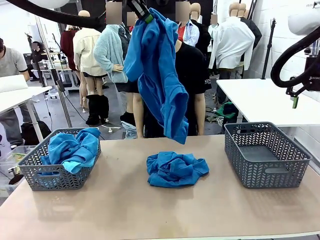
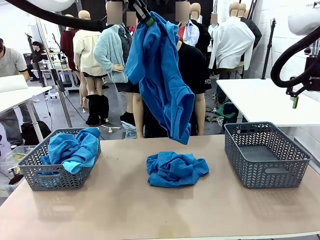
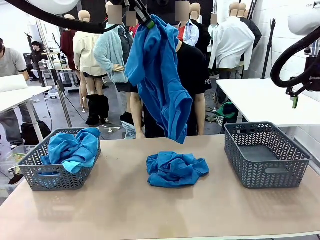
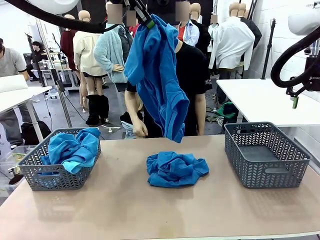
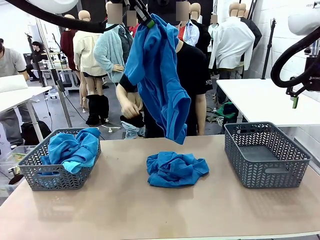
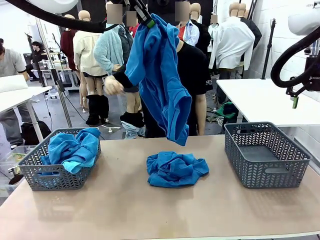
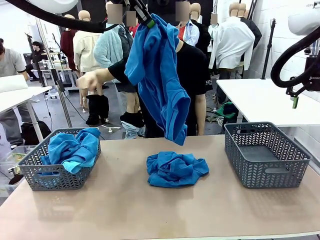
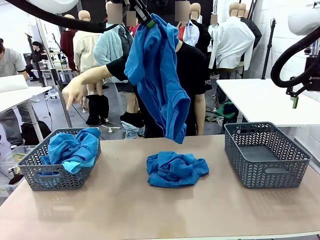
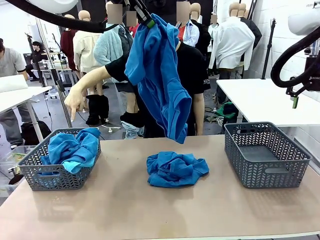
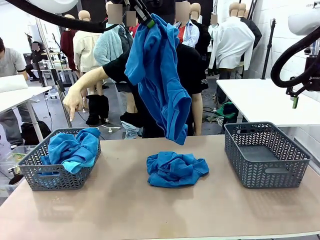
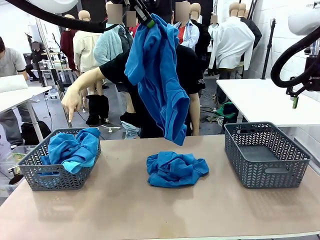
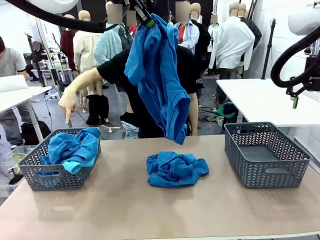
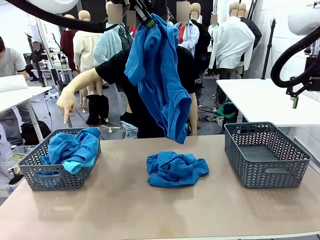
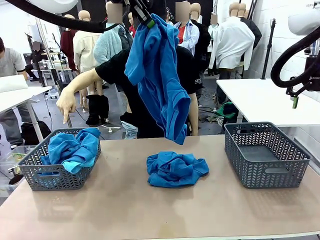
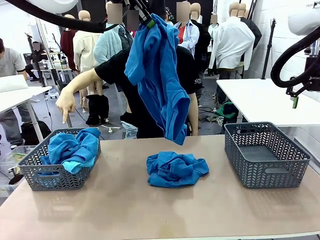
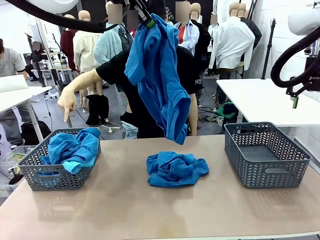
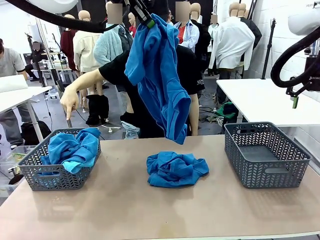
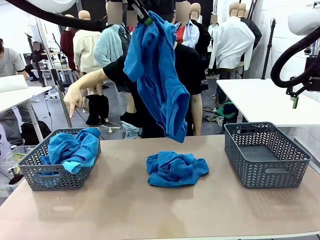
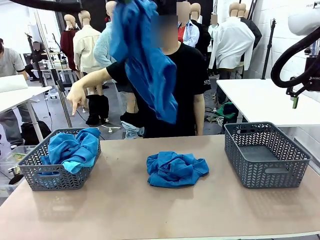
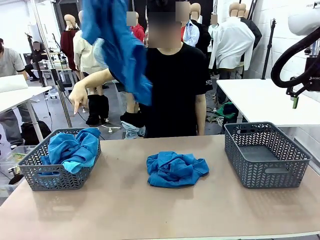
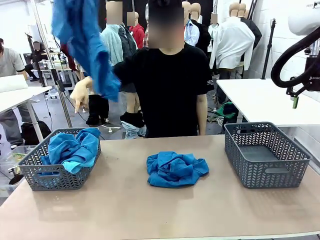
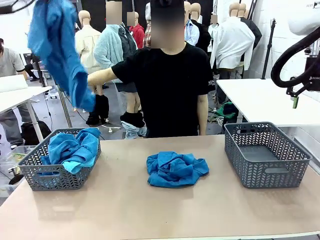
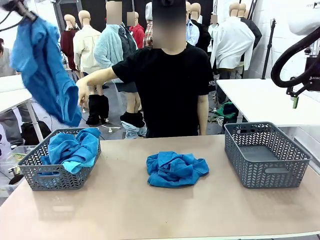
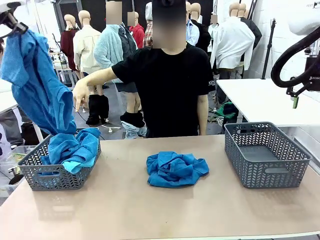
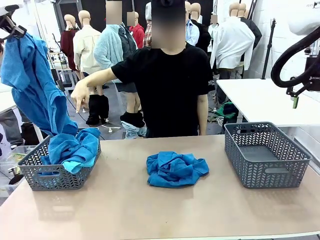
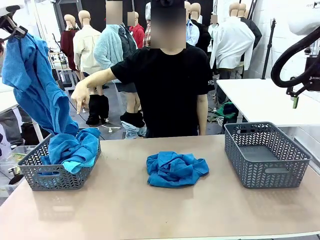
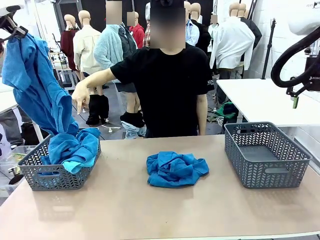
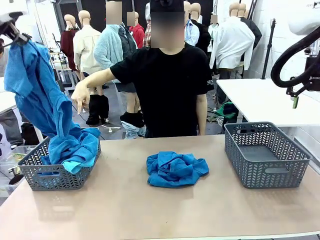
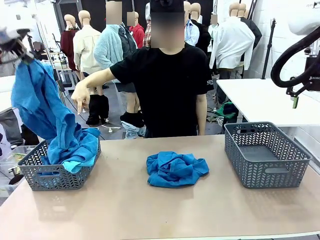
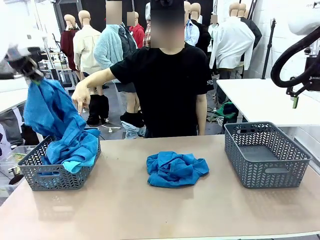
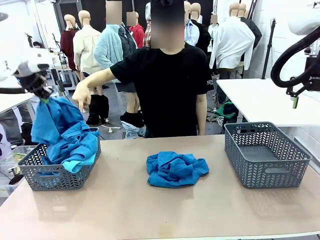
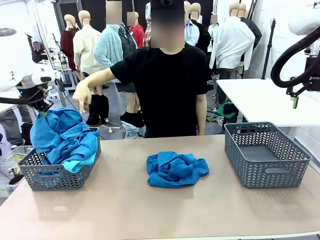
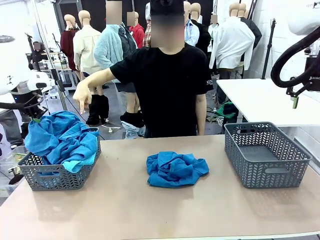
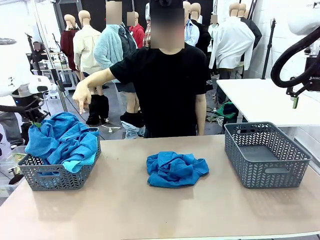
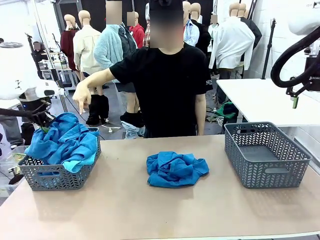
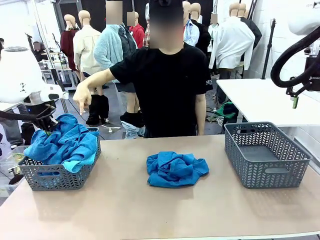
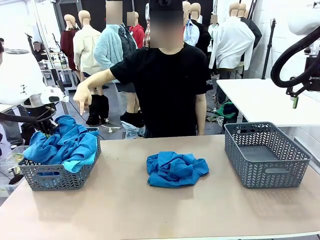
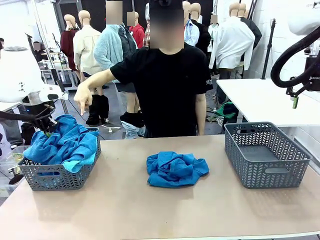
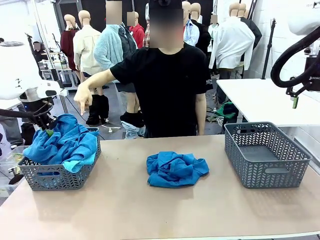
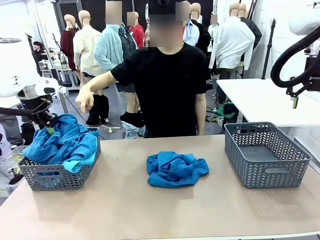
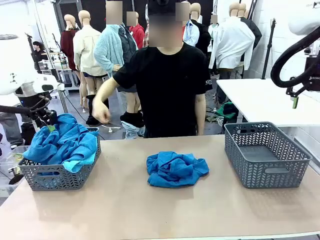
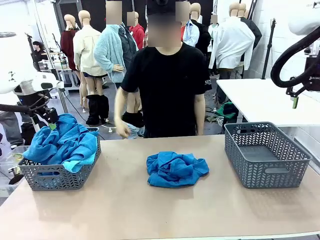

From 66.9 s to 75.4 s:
Task: Sort the tops and bottoms.
Robot: Sort the clothes according to human instructions.

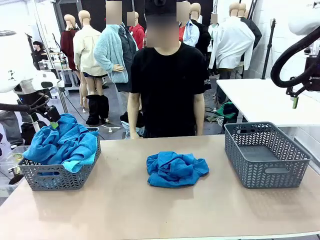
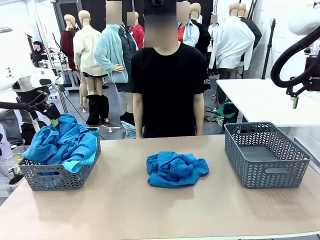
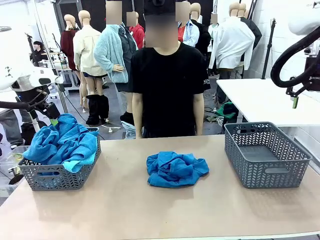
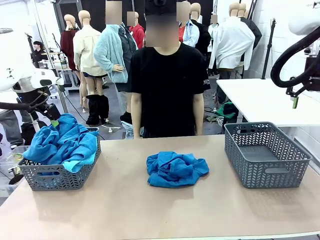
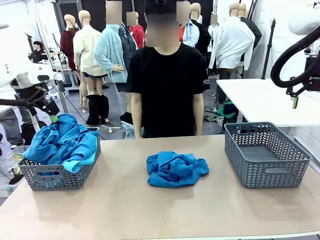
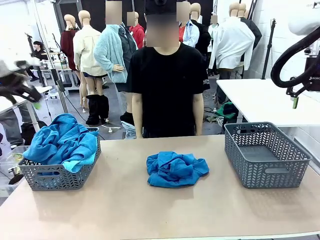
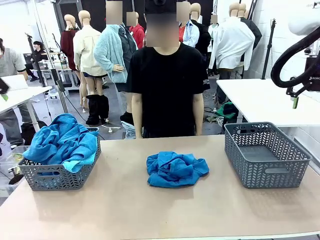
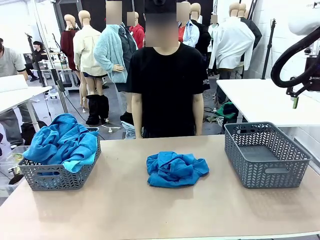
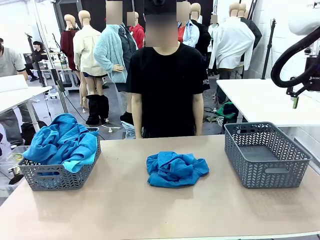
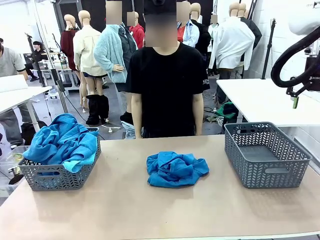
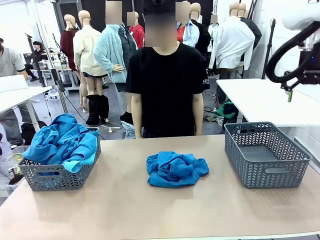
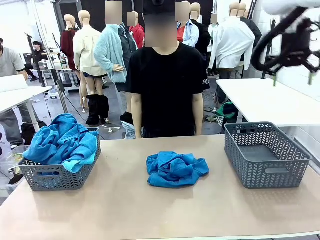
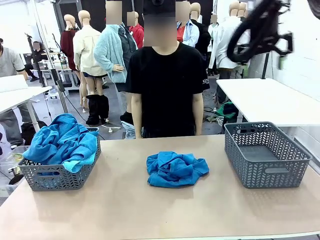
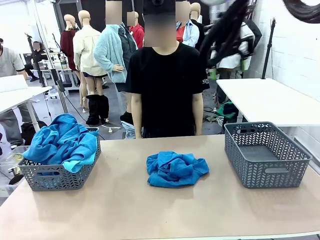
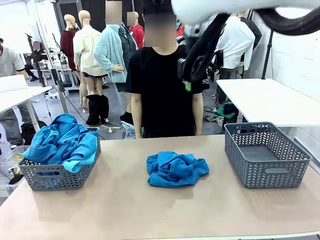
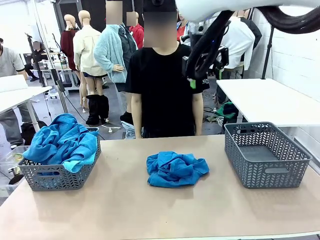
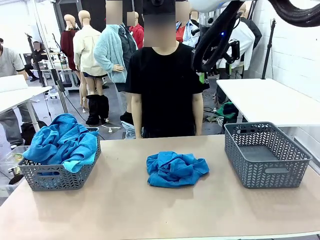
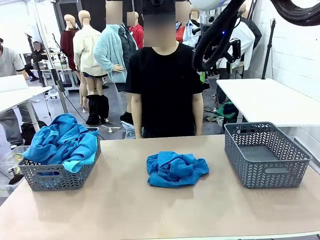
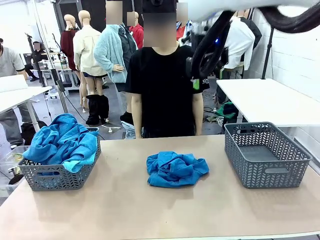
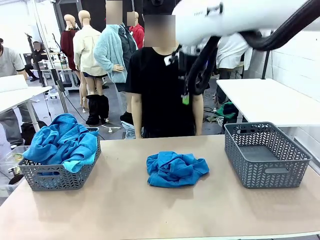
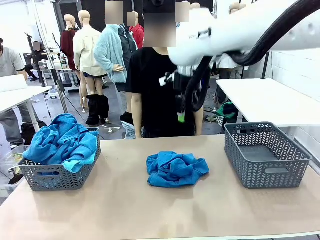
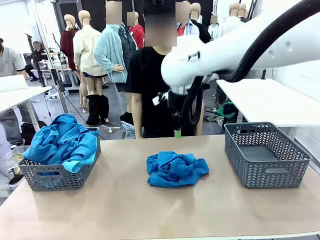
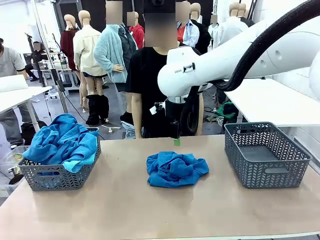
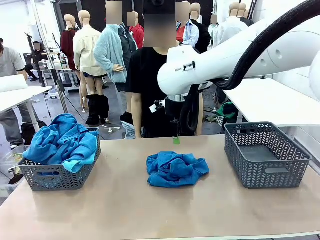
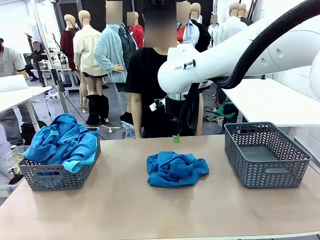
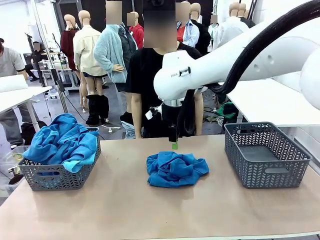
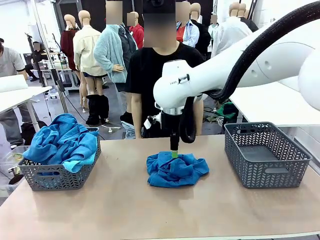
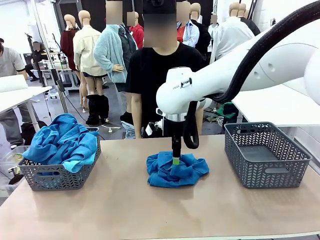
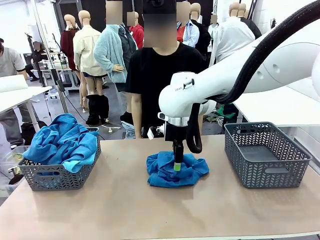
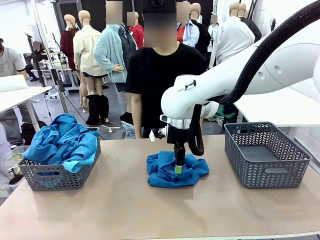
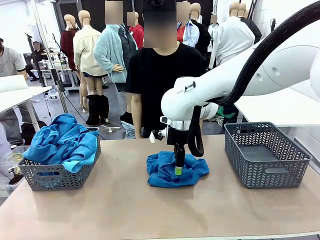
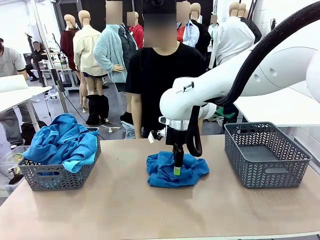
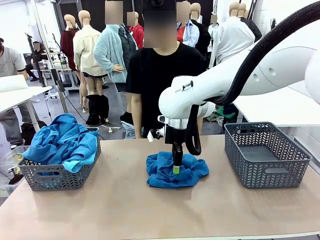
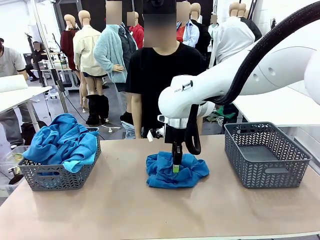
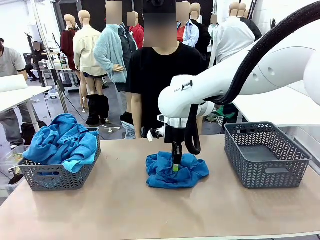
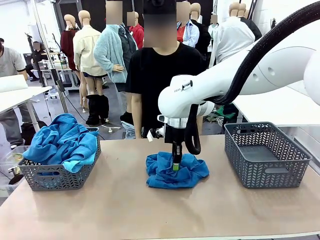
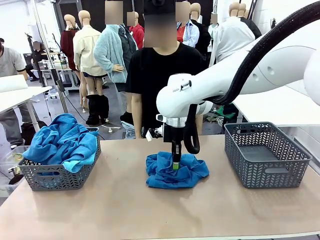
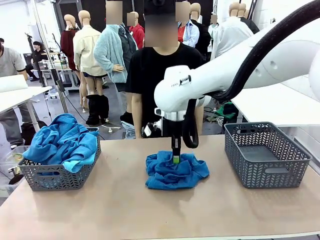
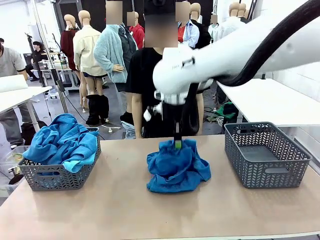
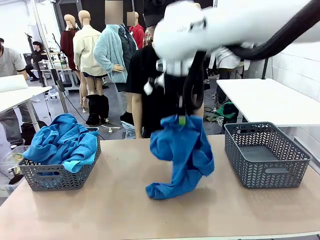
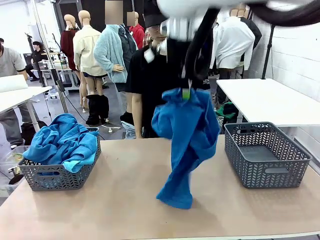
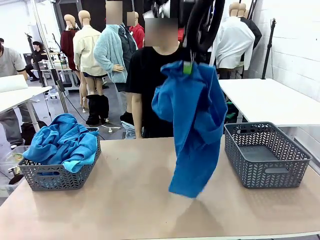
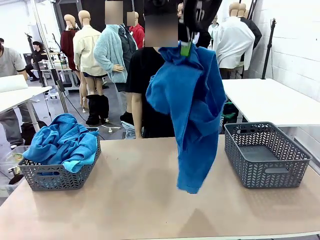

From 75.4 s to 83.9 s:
Robot: Lift clothes from the center of the table with your right hand.

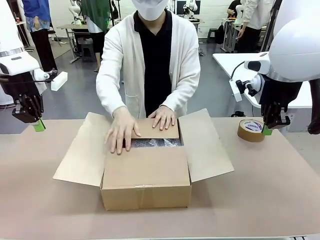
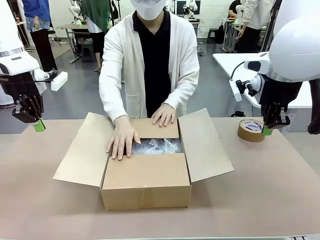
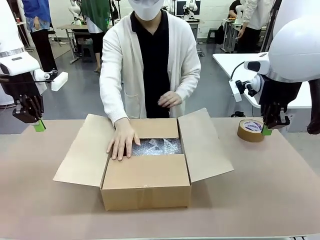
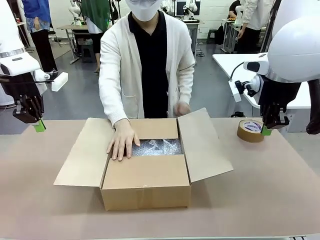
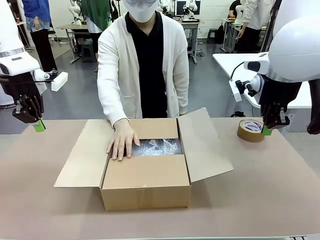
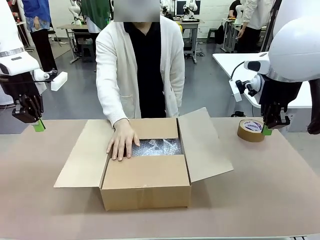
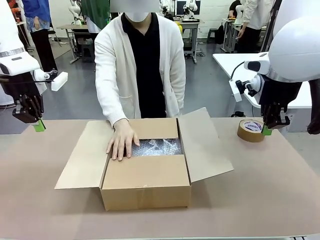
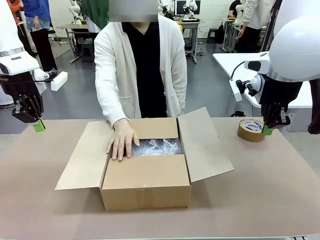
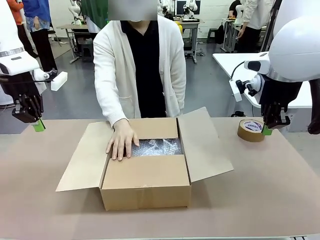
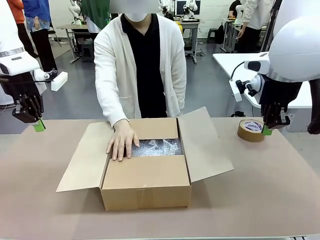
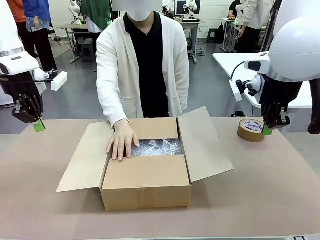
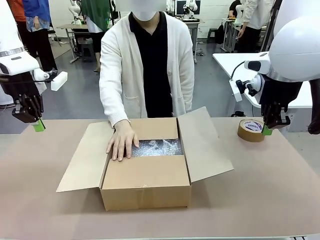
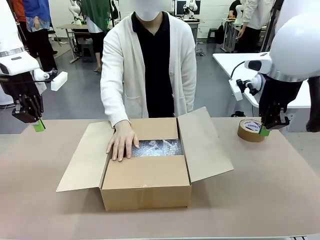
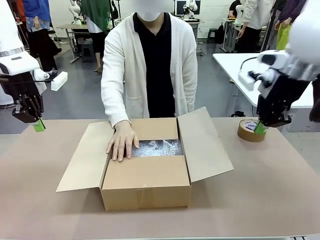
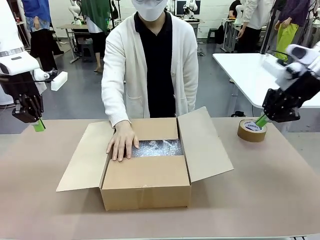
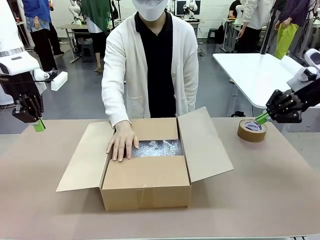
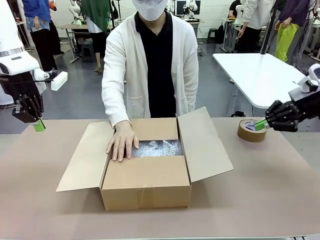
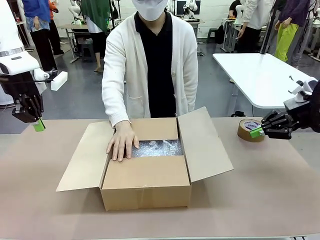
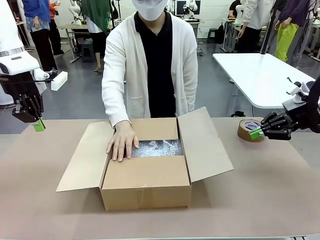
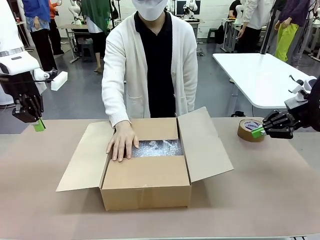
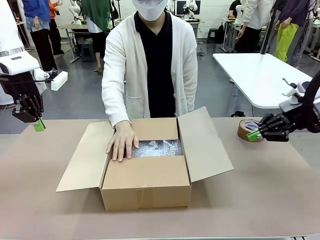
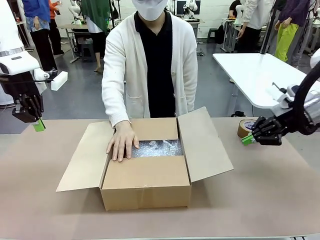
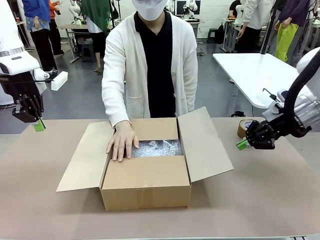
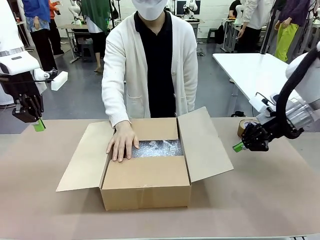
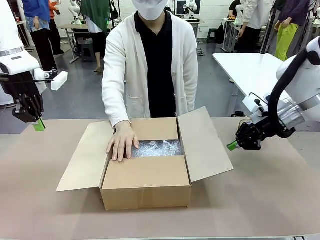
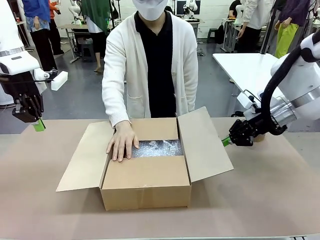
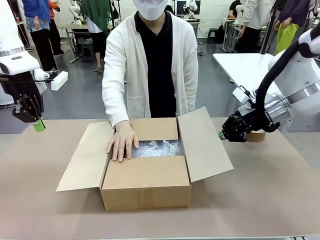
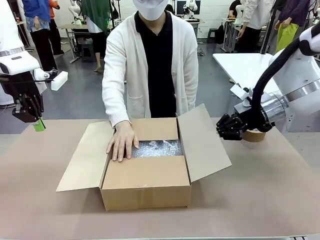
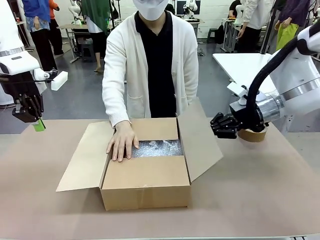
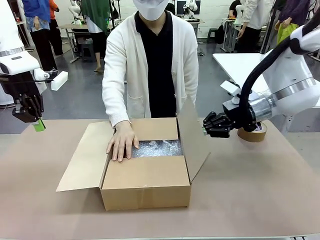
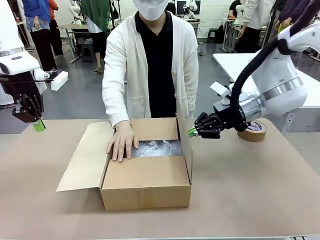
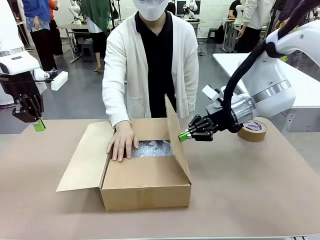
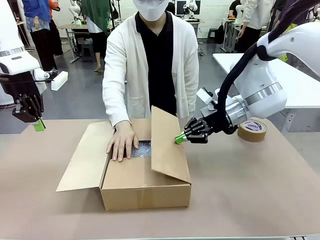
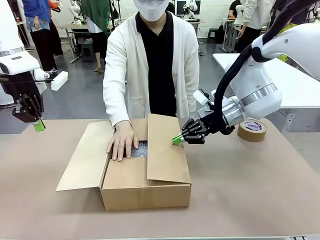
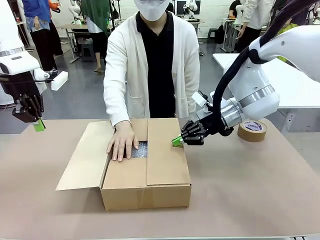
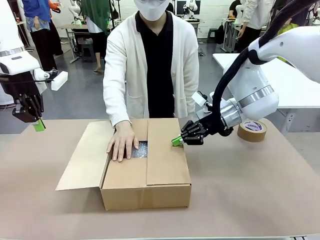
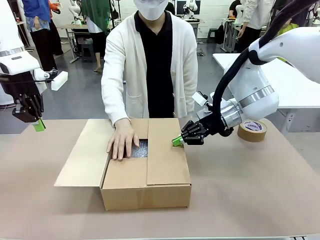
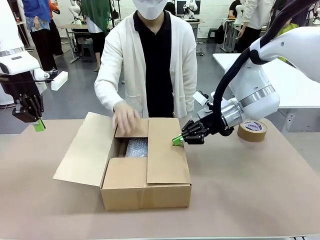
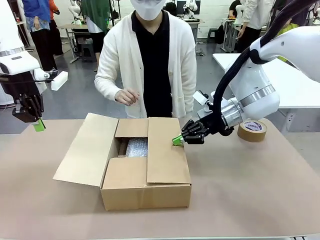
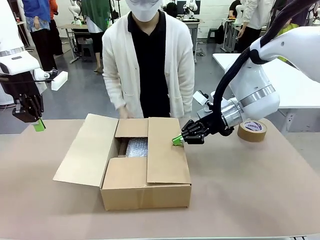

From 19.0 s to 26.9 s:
Task: Wrap the clocks to prevent damage.
Robot: Push the right (or left) flap of the Package Box to close it.
Person: Once the robot closes the right flap of the Package Box , release your left hand from the box.
